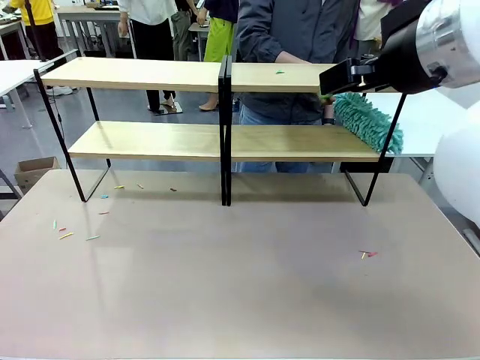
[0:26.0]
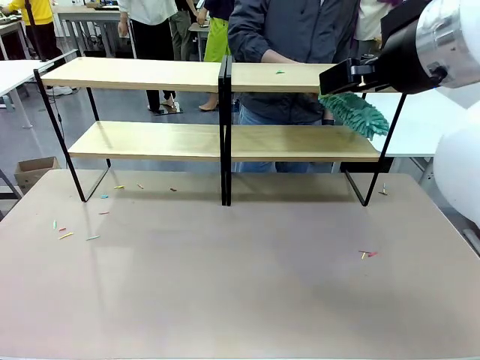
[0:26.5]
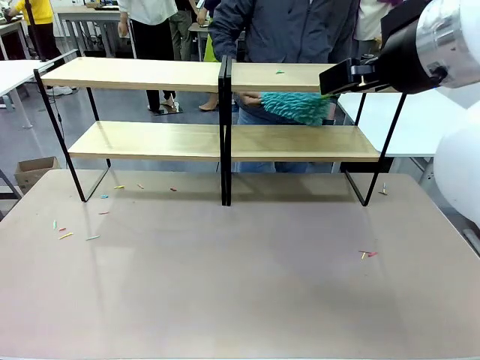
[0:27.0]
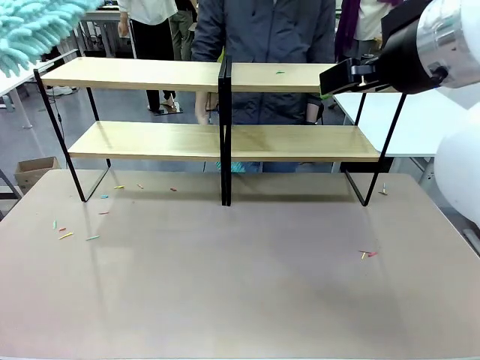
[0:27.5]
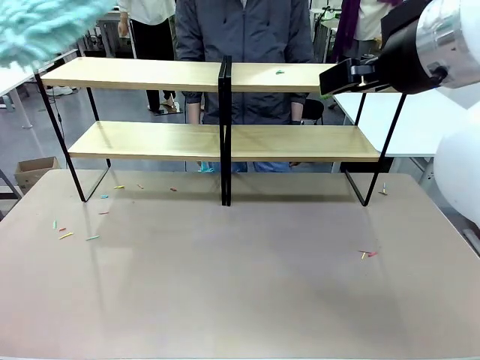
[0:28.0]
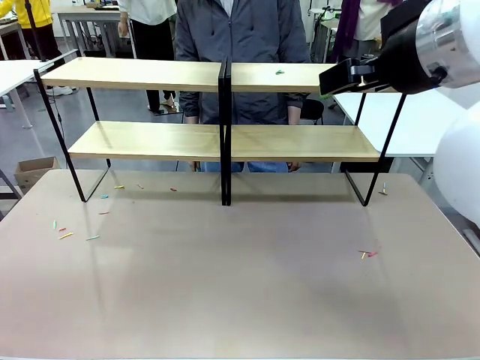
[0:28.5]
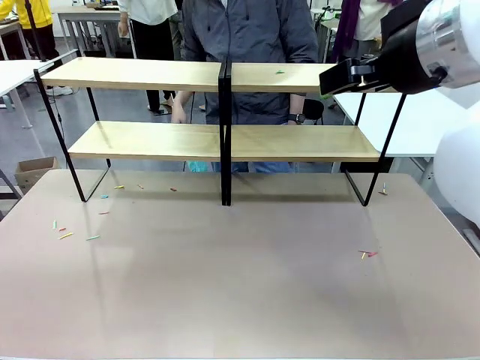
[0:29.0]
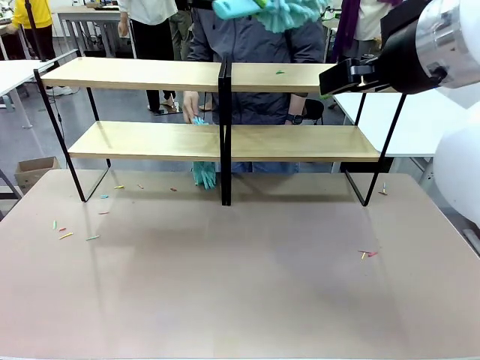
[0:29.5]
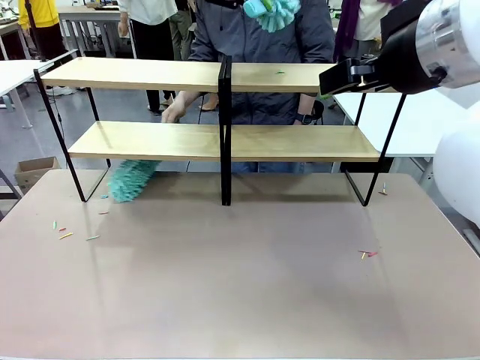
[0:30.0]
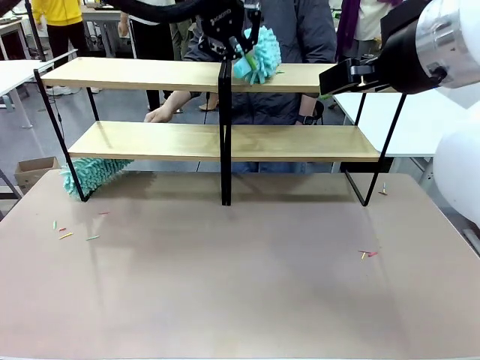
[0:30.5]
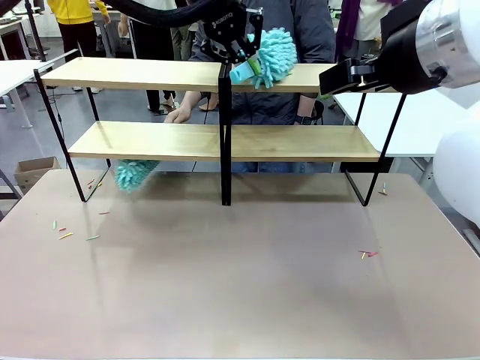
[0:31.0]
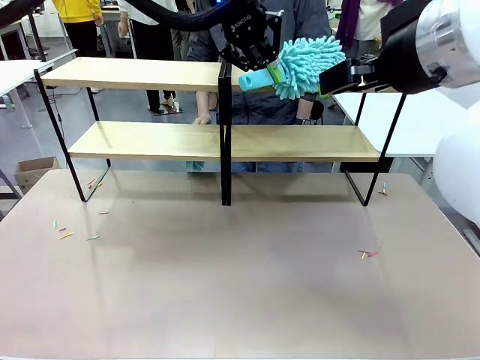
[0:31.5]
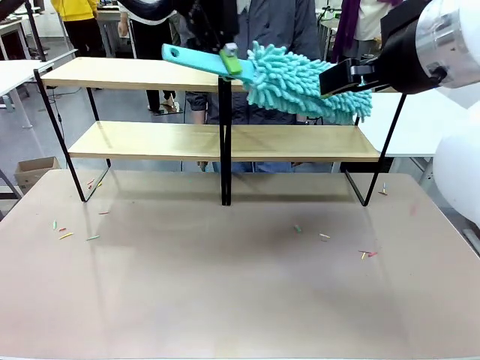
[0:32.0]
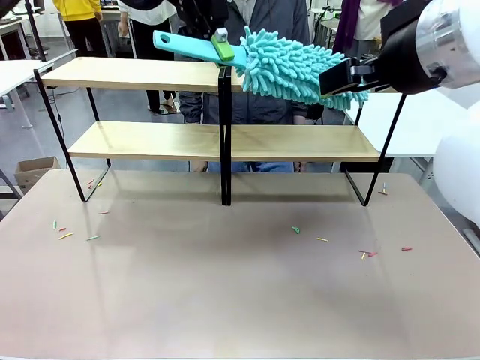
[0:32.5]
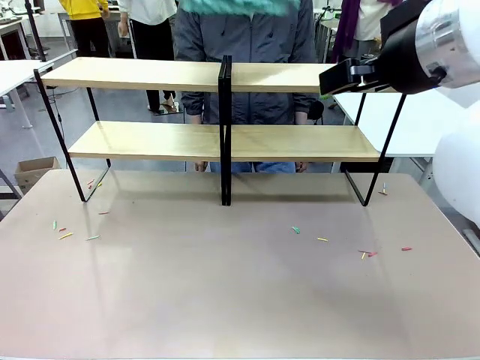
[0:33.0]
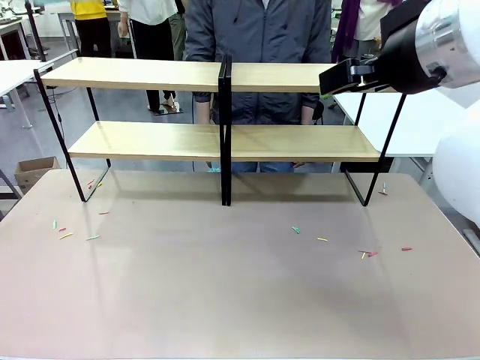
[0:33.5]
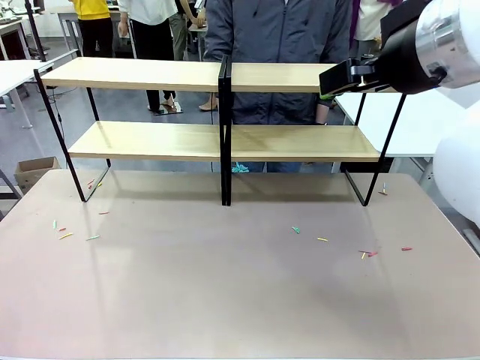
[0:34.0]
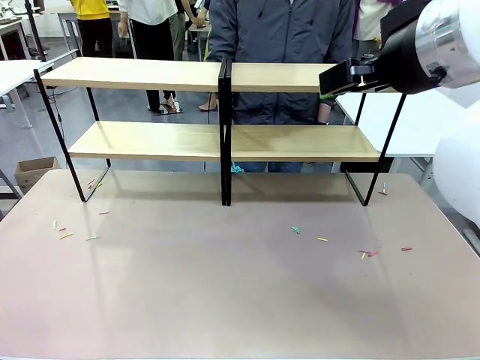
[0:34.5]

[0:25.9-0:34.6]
Task: Clean the shelves.
Robot: Clean another randomly selected level of the Shelf with the Duster.

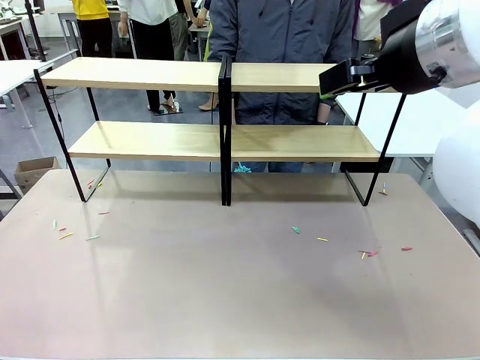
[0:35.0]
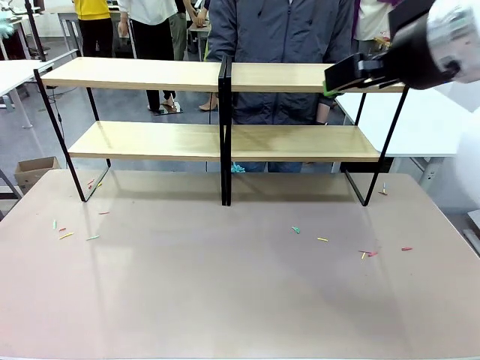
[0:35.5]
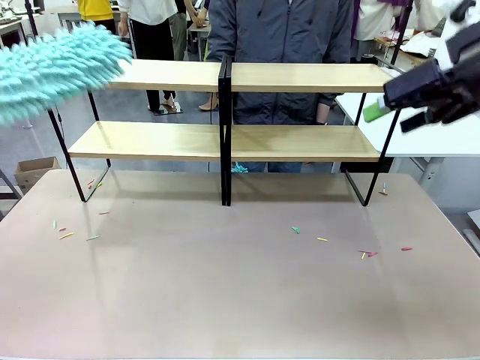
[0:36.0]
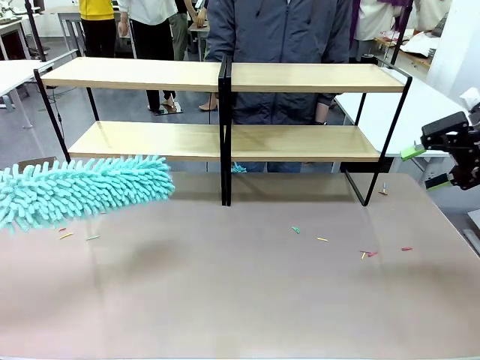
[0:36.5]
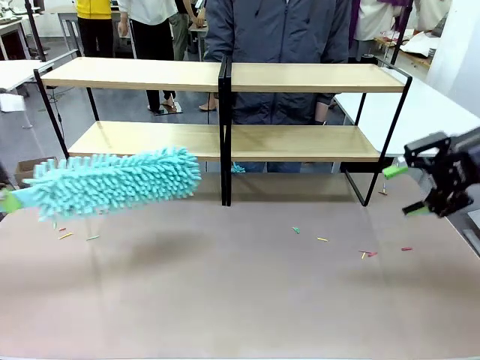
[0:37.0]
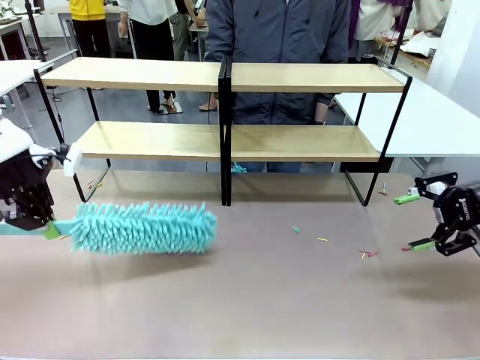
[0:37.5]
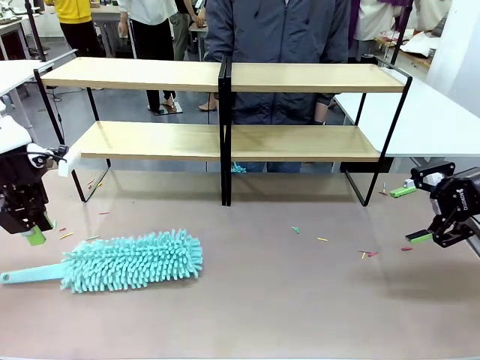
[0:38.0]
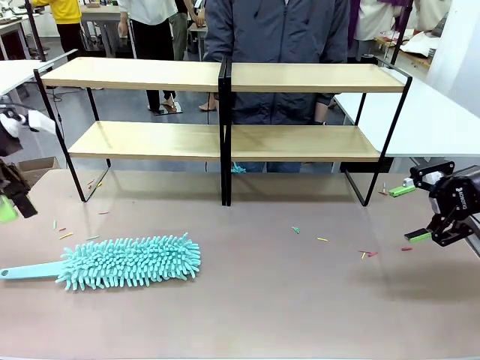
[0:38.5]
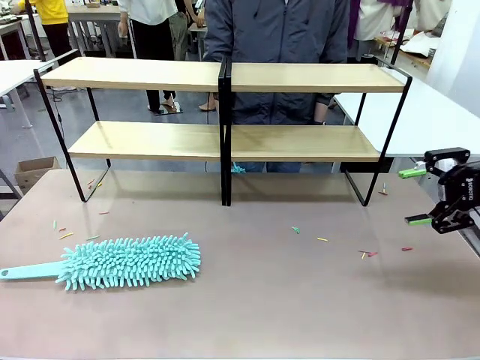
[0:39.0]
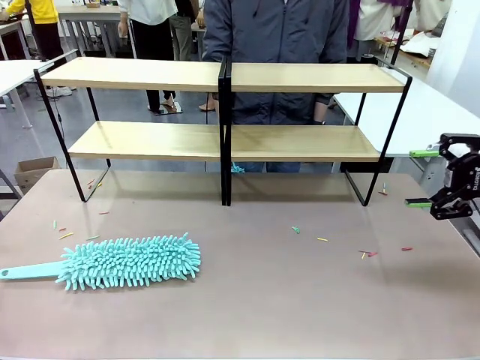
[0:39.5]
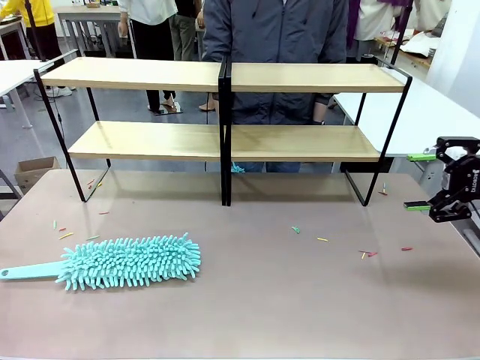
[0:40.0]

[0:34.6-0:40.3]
Robot: Place the Duster on the table.

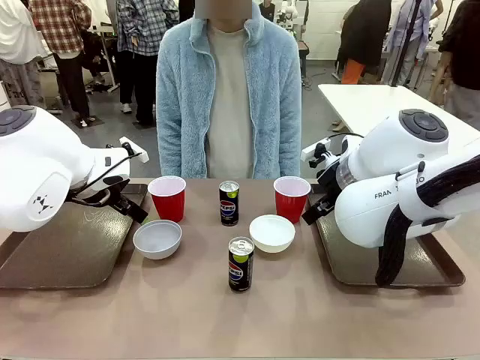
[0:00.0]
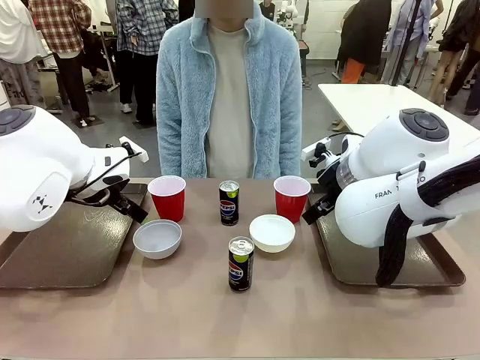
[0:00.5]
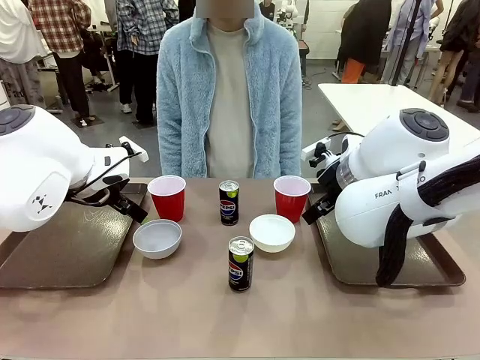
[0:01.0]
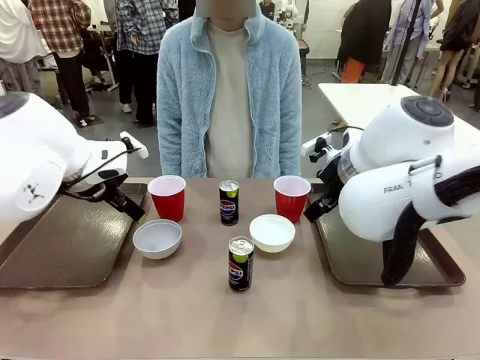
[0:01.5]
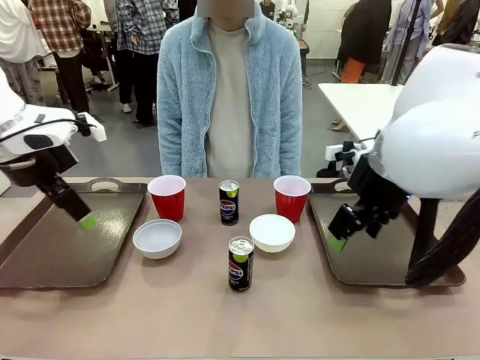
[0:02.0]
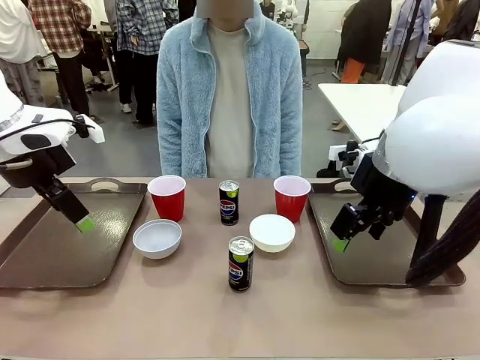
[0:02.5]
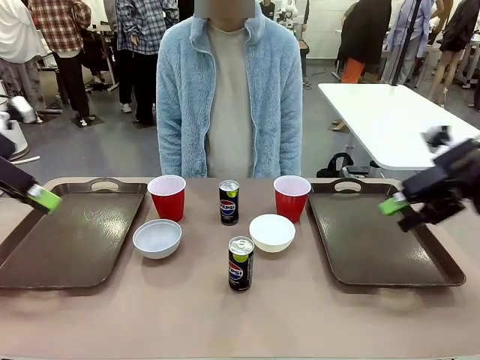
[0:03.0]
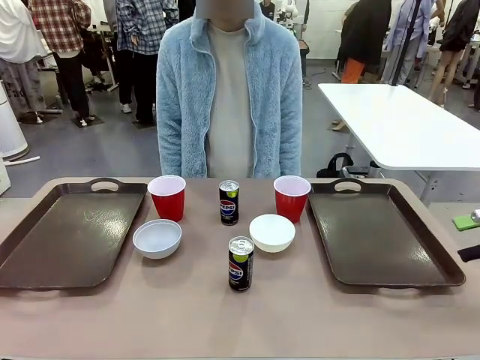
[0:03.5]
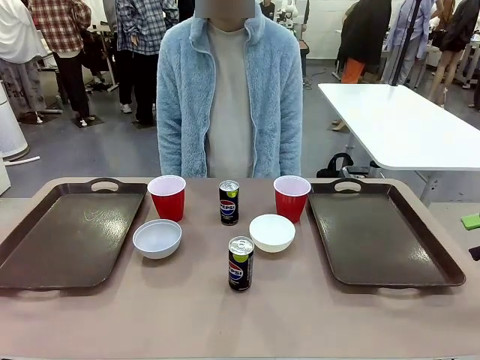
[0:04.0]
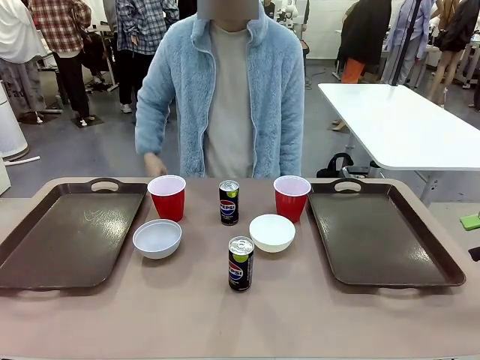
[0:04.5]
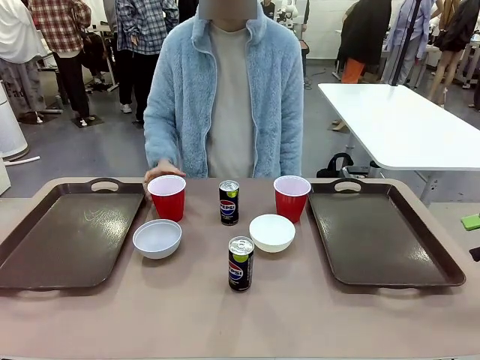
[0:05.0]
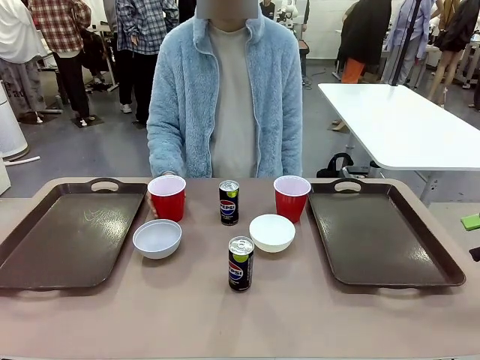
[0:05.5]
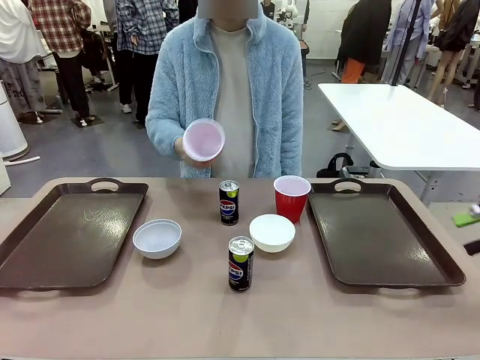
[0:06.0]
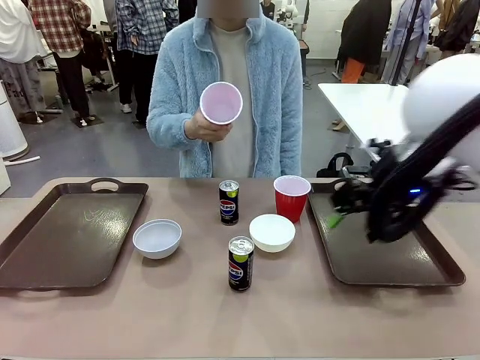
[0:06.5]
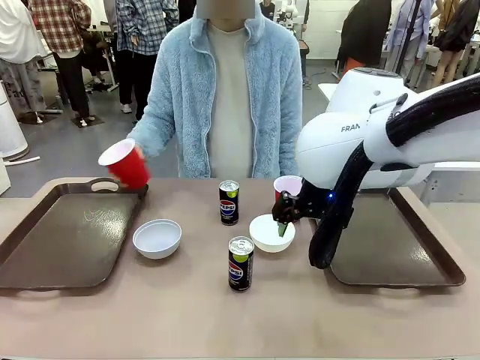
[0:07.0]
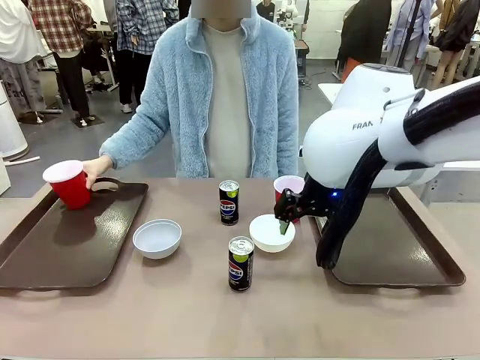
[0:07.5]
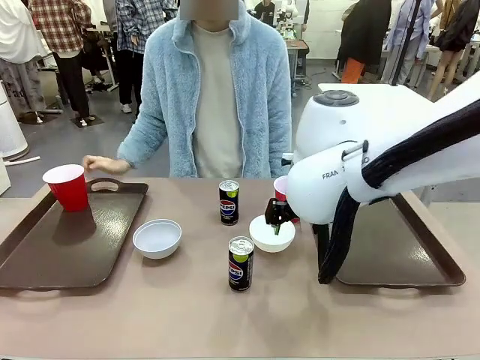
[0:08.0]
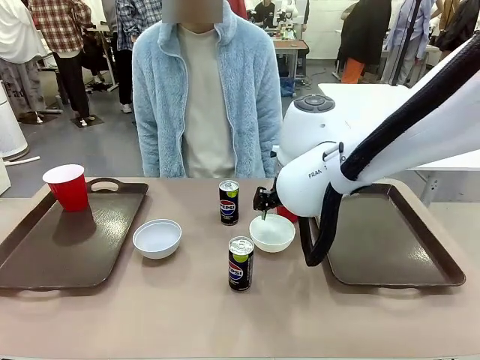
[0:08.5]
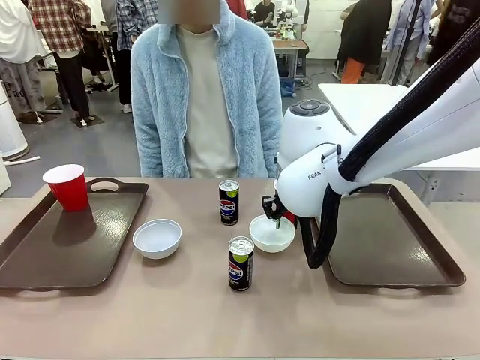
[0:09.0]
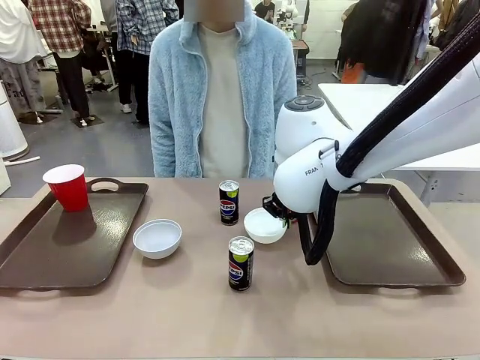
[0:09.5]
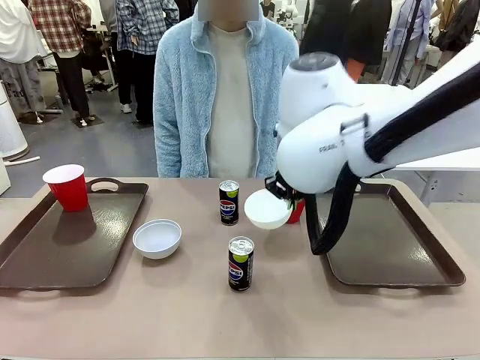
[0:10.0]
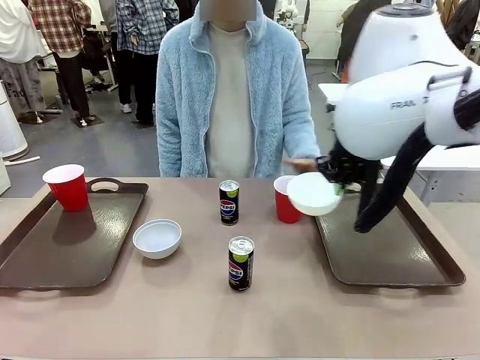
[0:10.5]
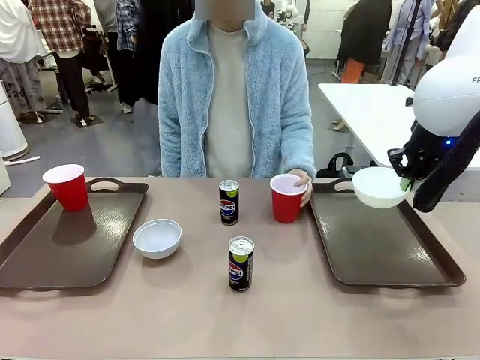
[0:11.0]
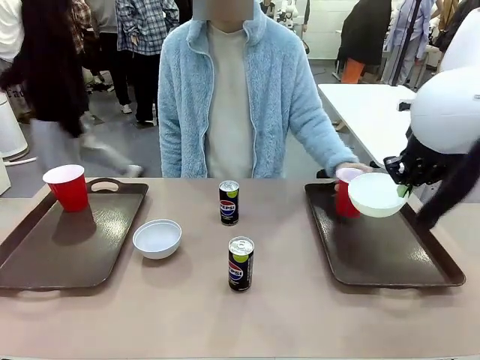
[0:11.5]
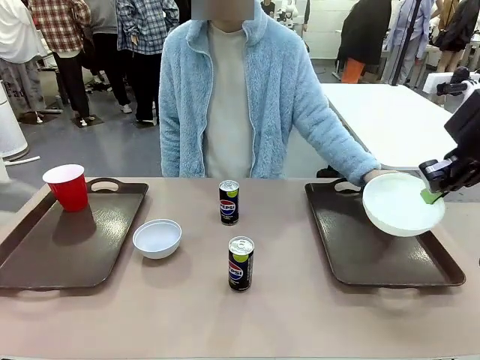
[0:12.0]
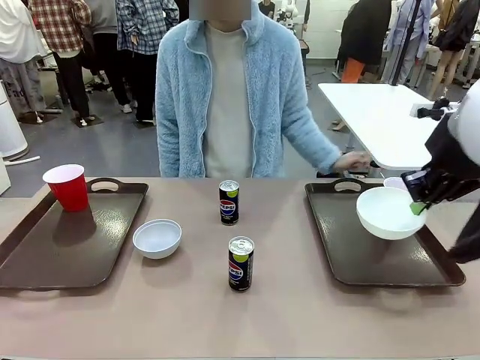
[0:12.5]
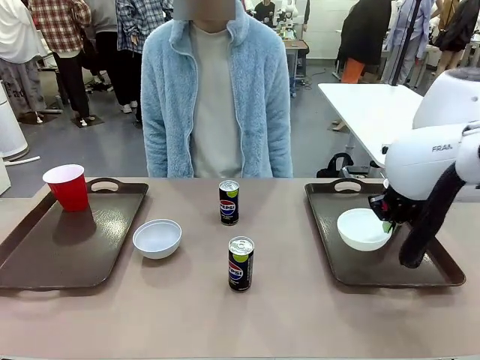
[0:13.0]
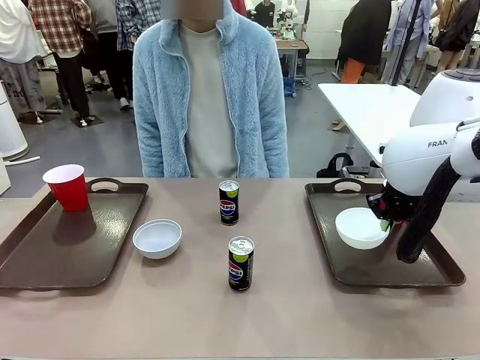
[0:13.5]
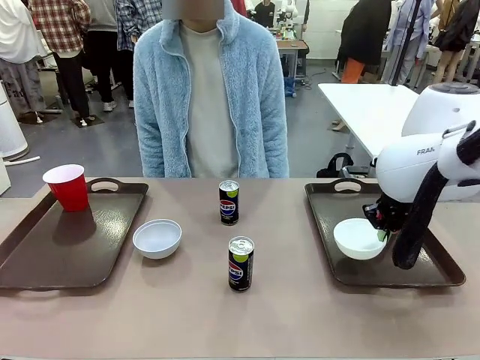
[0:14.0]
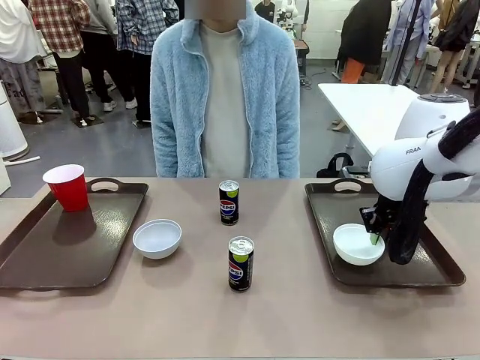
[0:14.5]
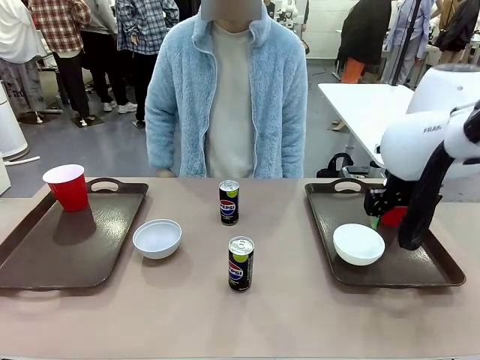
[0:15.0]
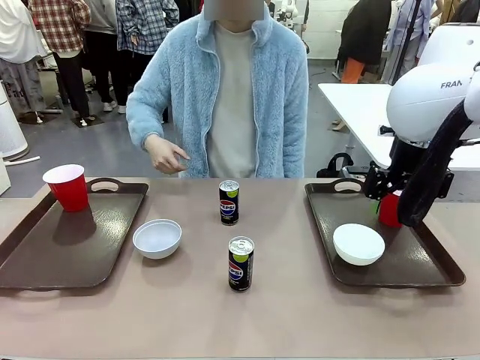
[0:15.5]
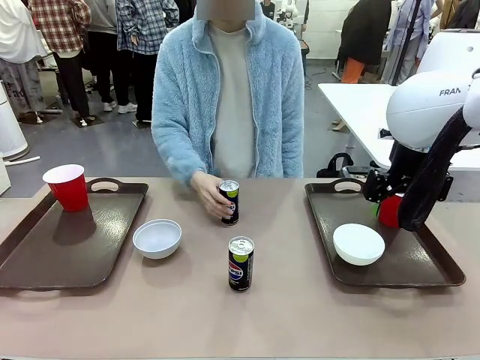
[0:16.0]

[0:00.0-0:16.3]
Task: Prepare tableware on both trays.
Robot: Pick up a Picnic Bowl from the table and place it on a Handle tray.
Person: Pick up a can or cup and place it on the tray.
